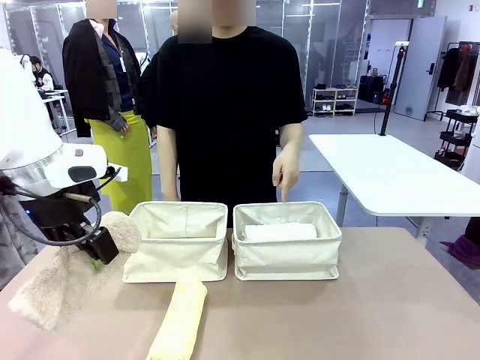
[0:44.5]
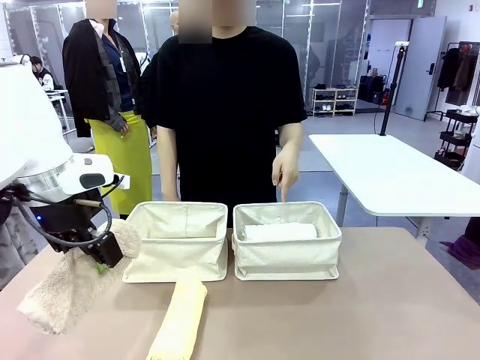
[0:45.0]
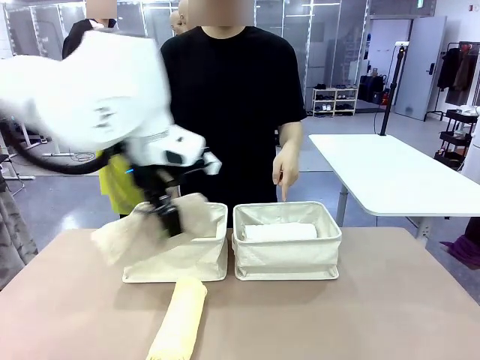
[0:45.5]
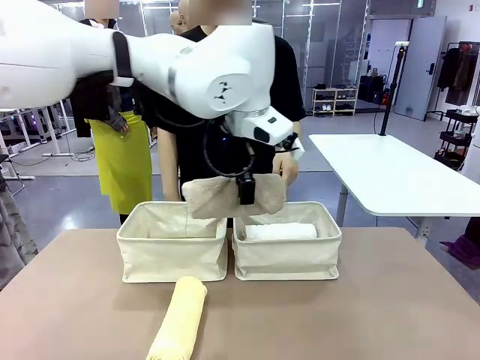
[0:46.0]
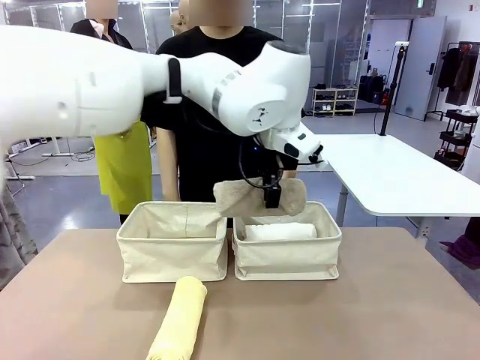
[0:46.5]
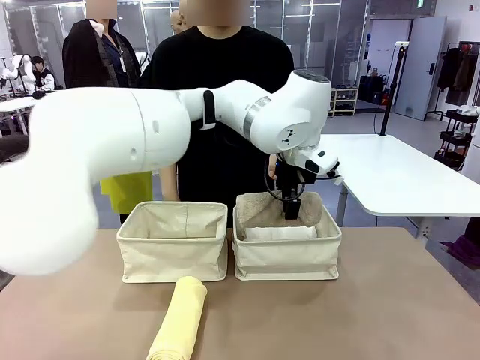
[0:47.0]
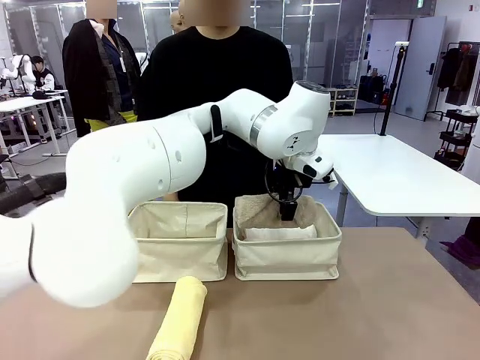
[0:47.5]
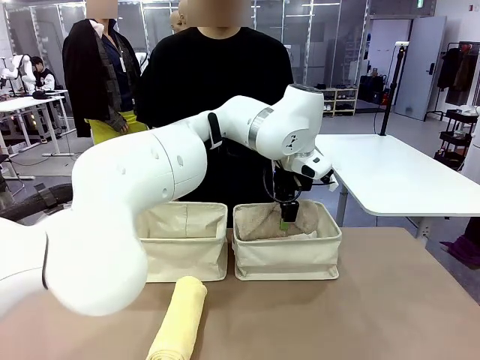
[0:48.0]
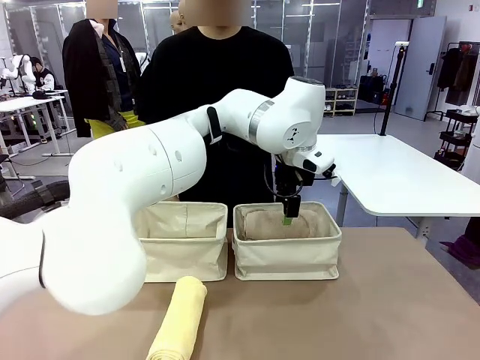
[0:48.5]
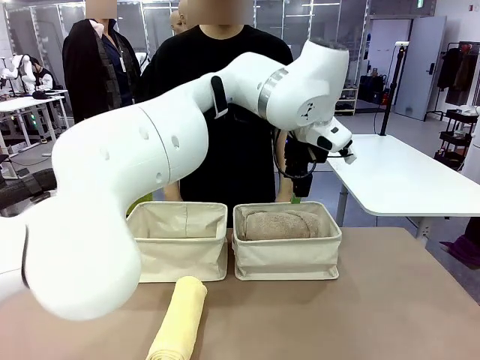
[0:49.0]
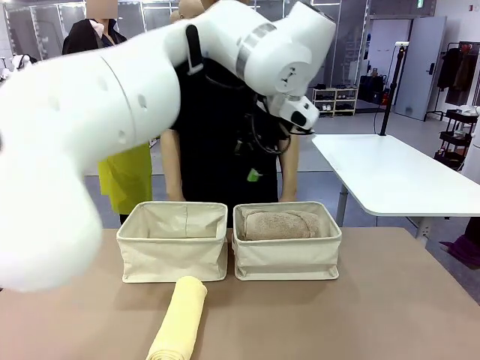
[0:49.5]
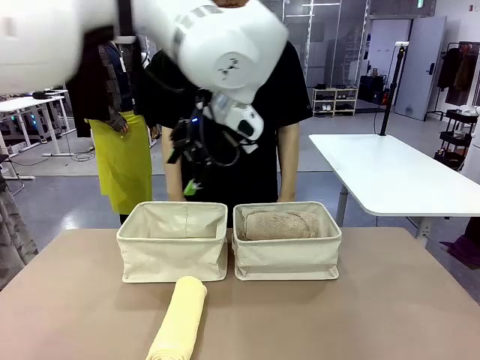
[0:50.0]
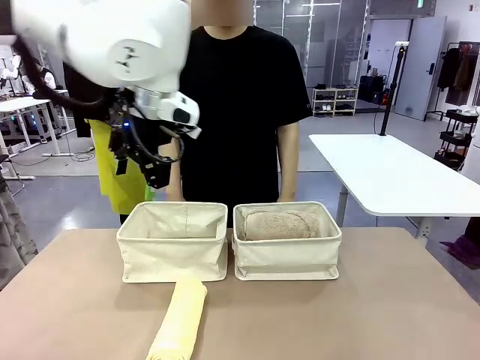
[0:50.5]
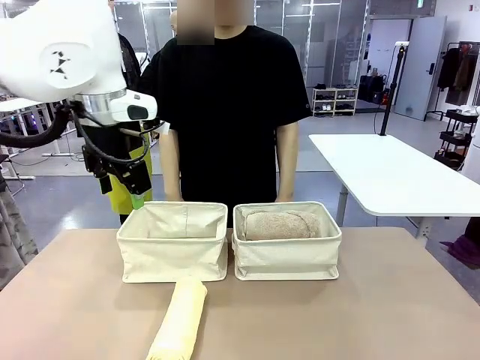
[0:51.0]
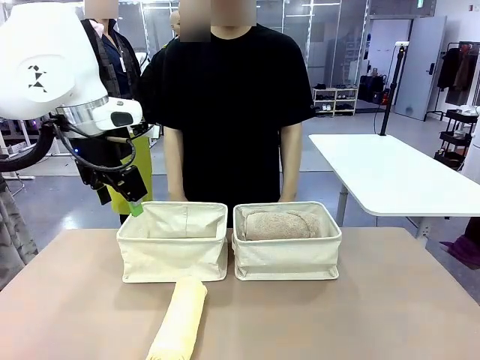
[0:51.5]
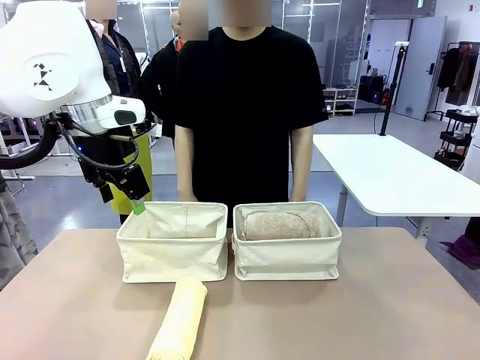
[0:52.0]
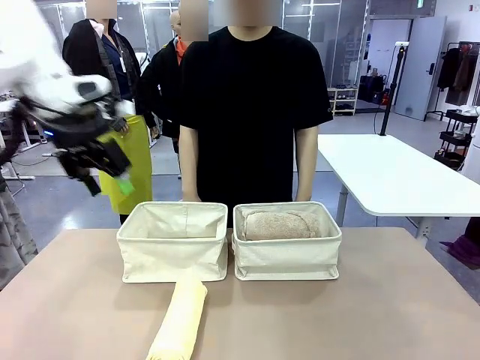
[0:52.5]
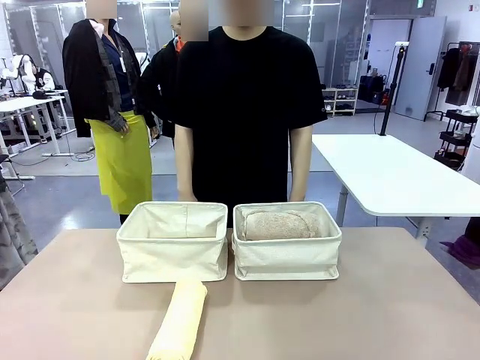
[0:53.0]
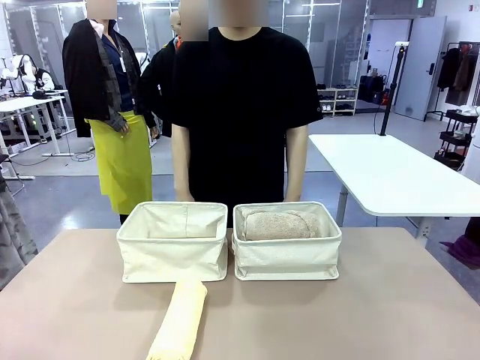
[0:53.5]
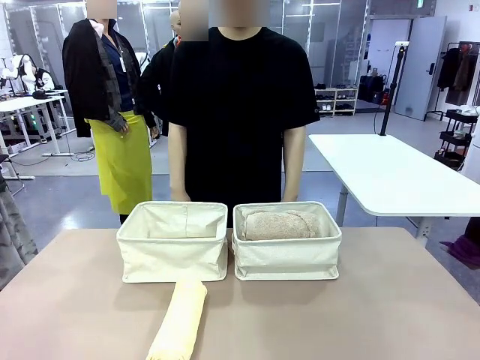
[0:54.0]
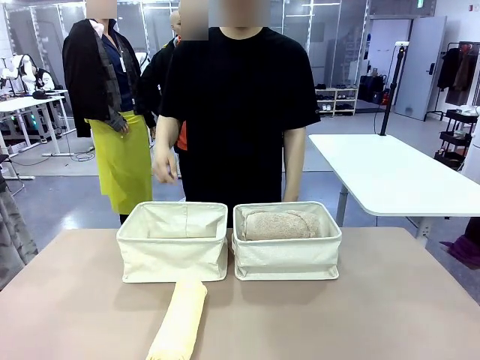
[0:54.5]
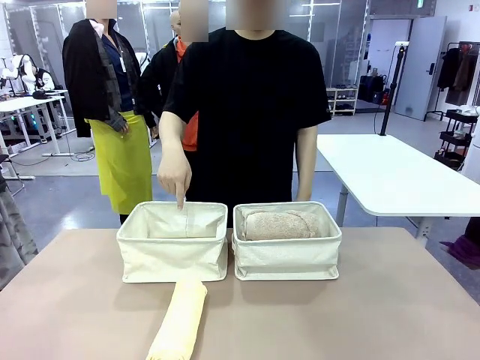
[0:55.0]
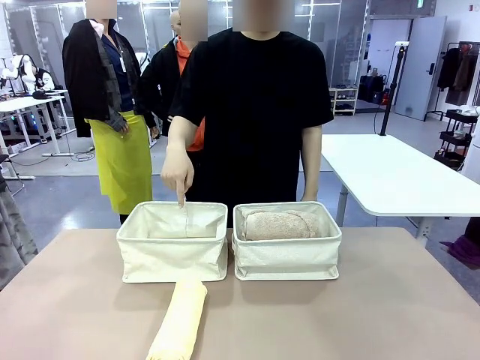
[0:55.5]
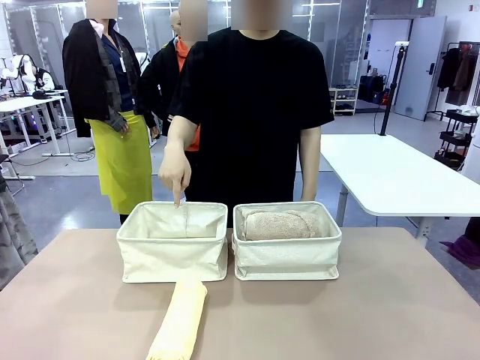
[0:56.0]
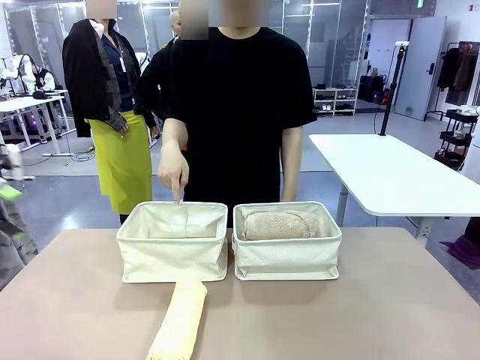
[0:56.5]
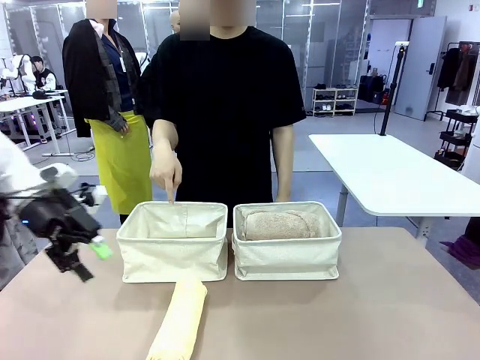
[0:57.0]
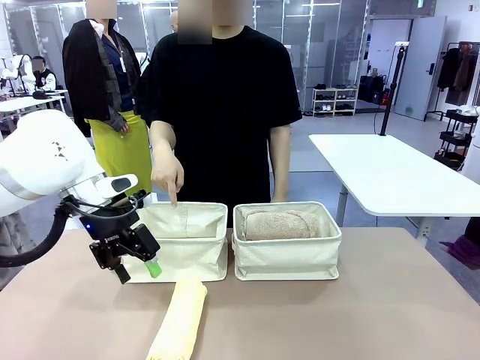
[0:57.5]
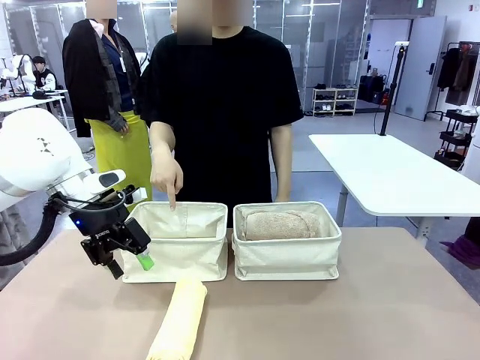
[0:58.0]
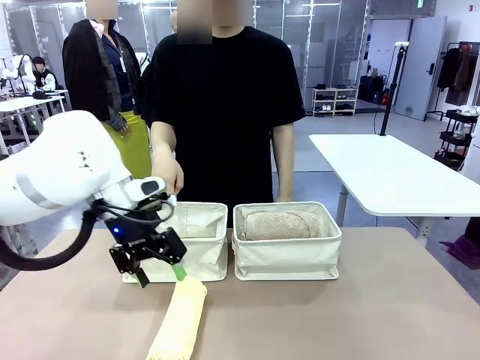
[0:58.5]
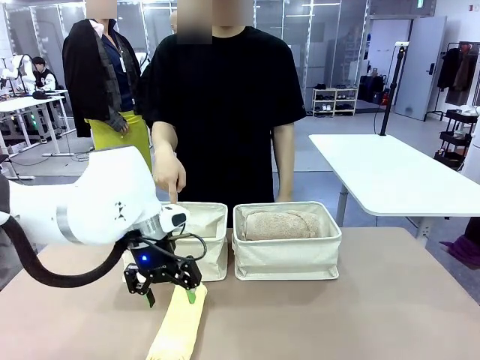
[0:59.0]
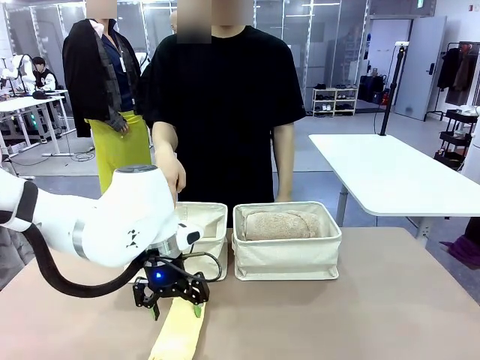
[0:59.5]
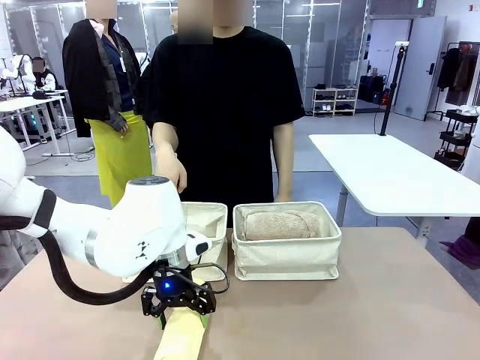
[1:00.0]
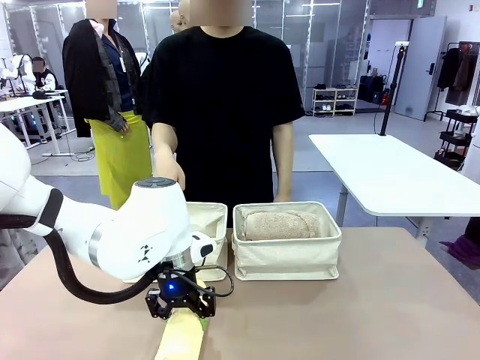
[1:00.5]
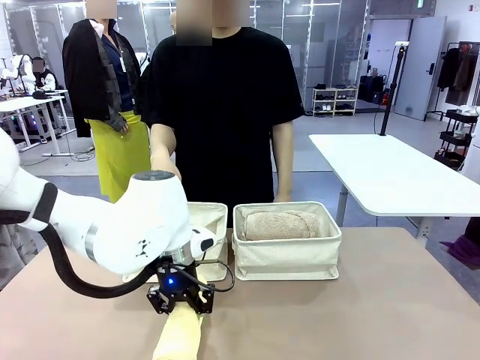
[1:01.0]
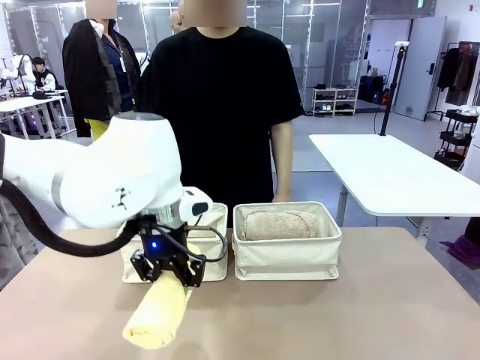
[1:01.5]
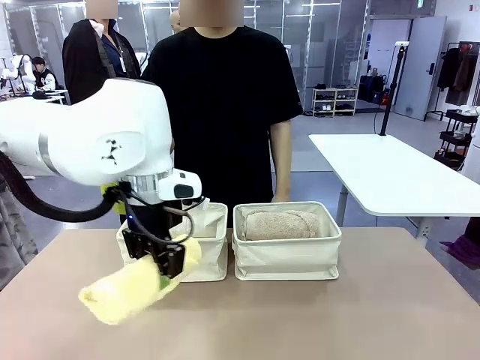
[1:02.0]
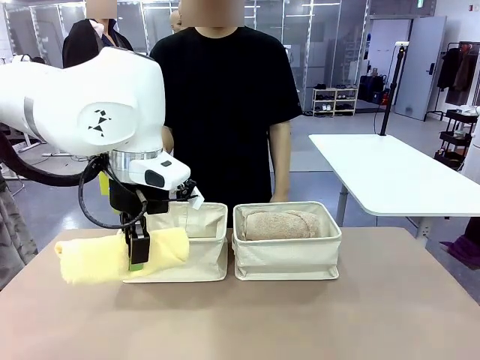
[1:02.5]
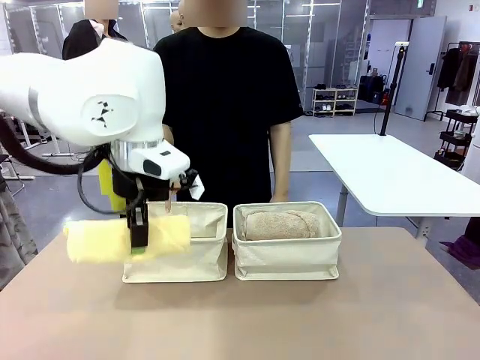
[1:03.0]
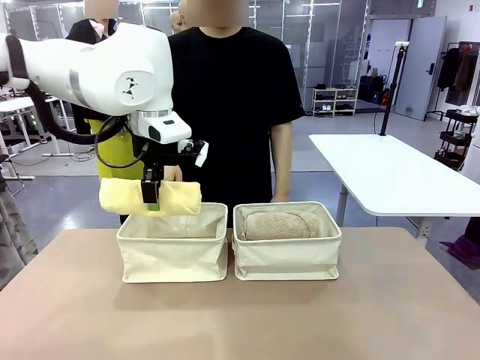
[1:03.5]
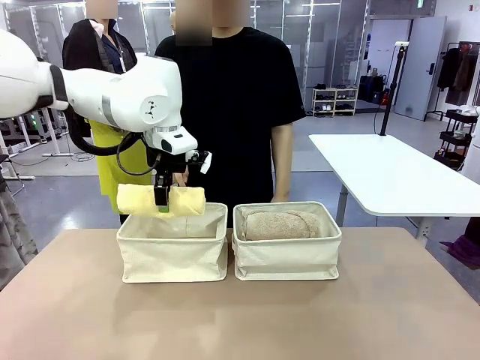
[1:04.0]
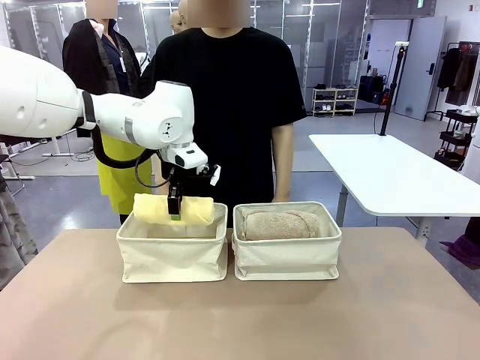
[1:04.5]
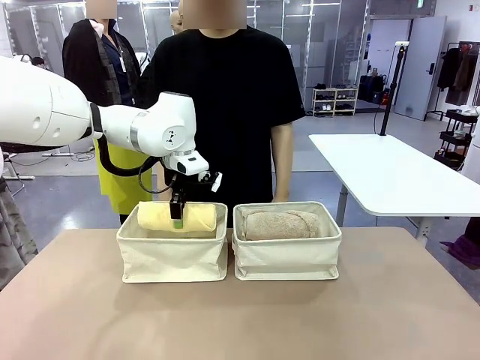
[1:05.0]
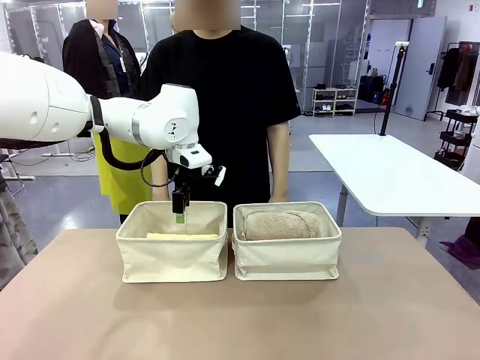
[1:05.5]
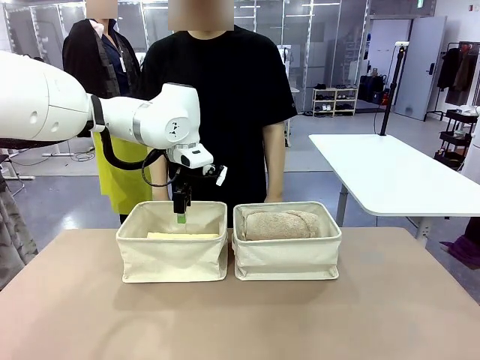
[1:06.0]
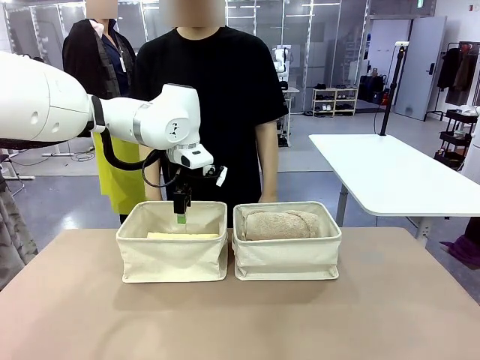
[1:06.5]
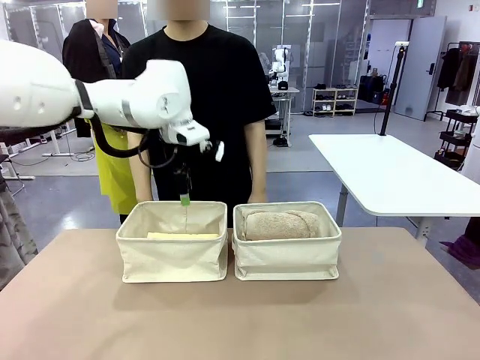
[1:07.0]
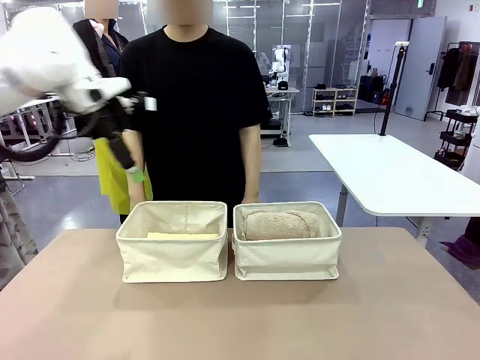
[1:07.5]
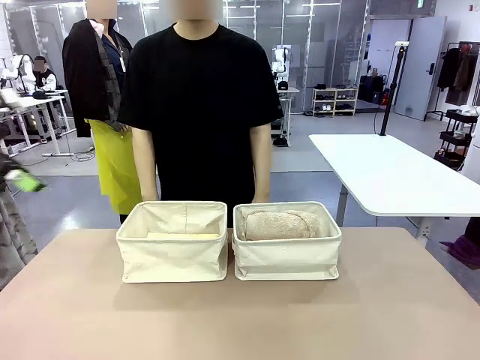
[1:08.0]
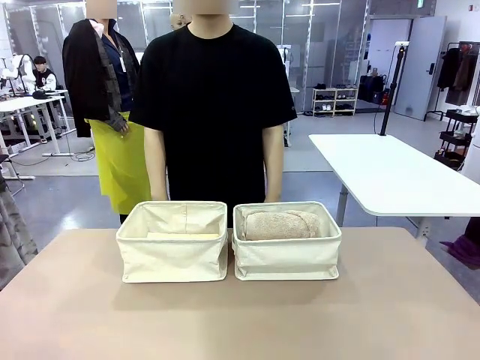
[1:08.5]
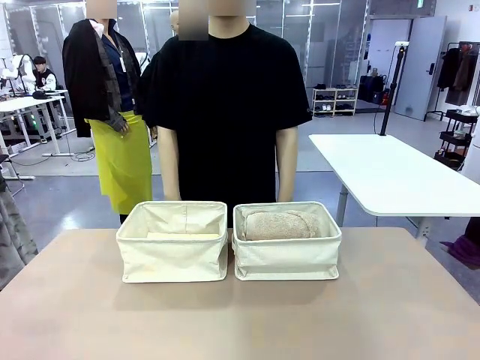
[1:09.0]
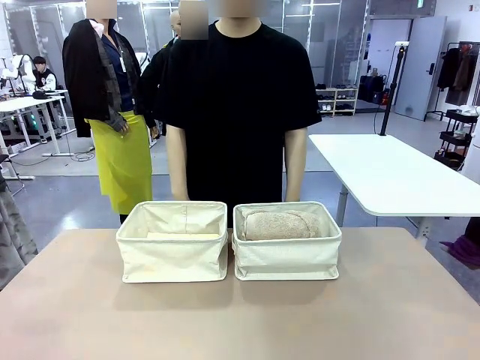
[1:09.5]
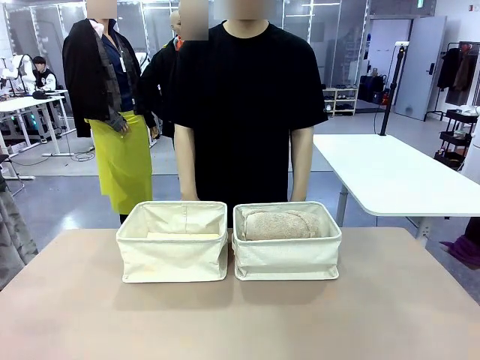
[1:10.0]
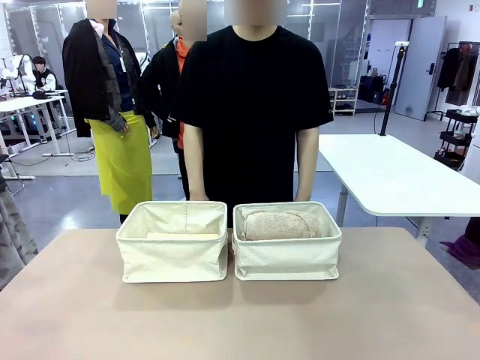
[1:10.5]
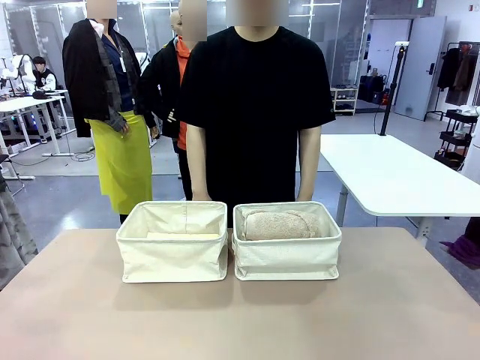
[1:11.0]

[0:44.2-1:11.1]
Task: Divide the towels into two baskets.
Robot: Pick up one hotel-folded towel from the bottom of the table and place it in the Fabric basket indicated by the person.
